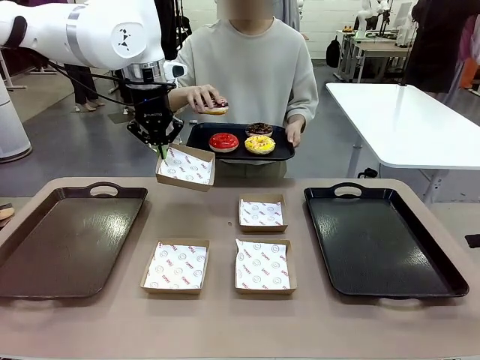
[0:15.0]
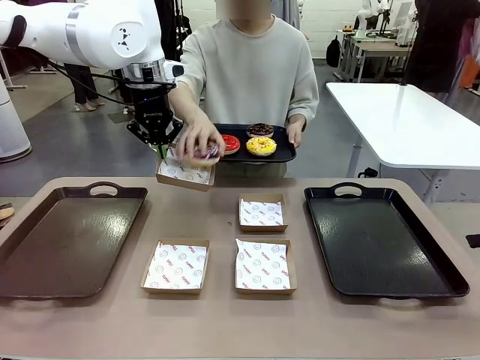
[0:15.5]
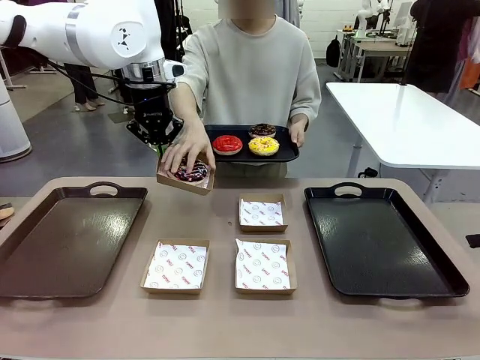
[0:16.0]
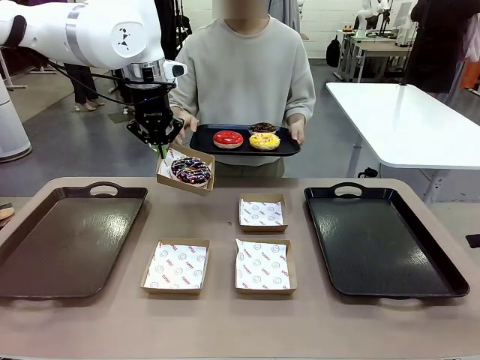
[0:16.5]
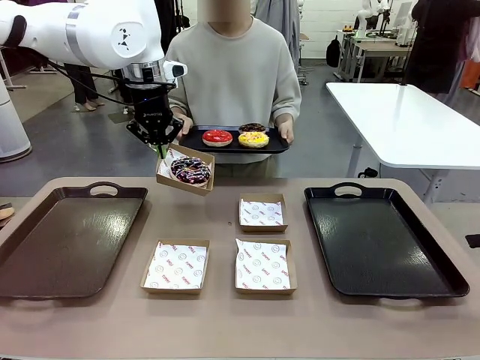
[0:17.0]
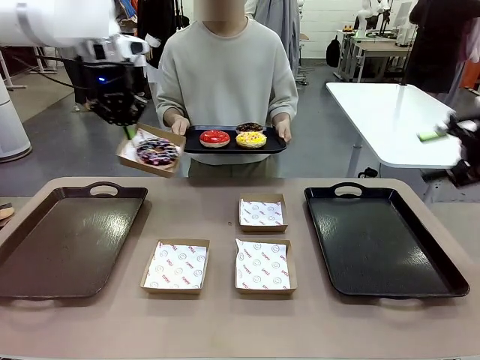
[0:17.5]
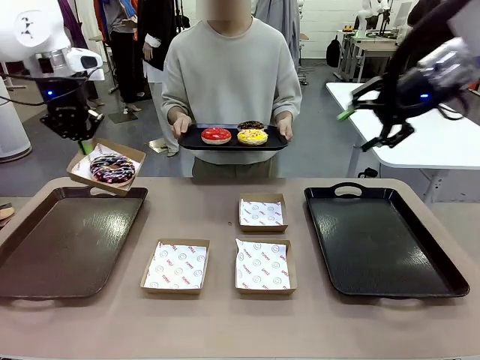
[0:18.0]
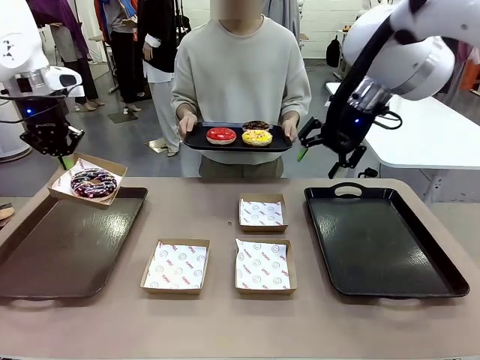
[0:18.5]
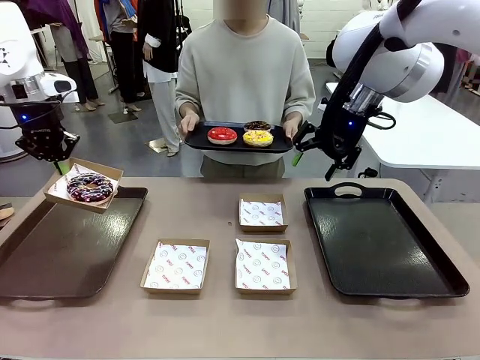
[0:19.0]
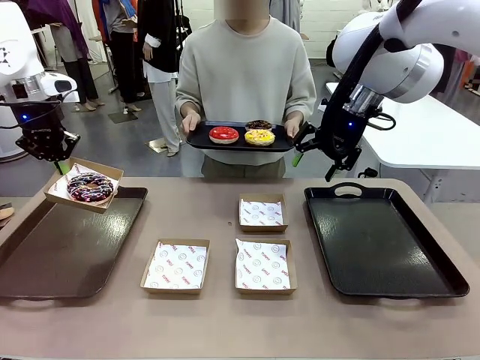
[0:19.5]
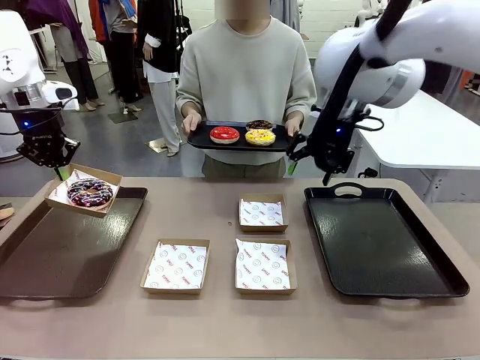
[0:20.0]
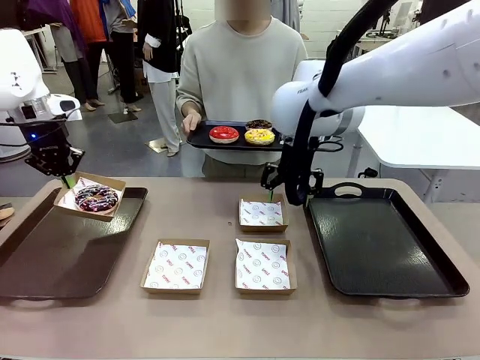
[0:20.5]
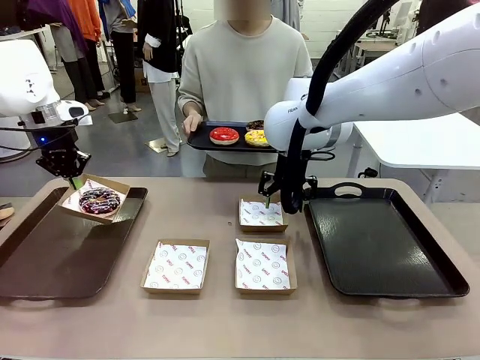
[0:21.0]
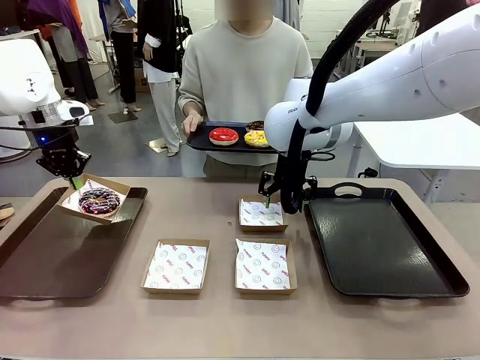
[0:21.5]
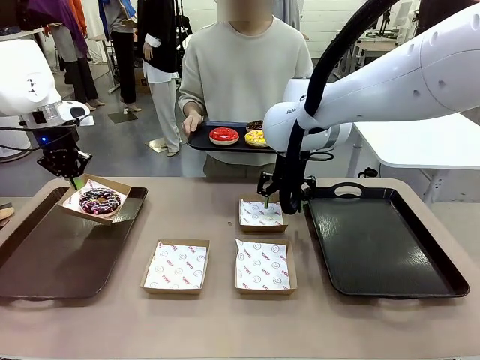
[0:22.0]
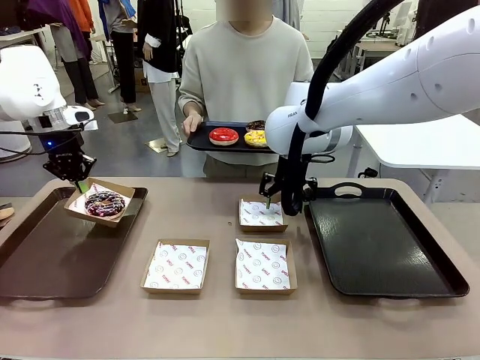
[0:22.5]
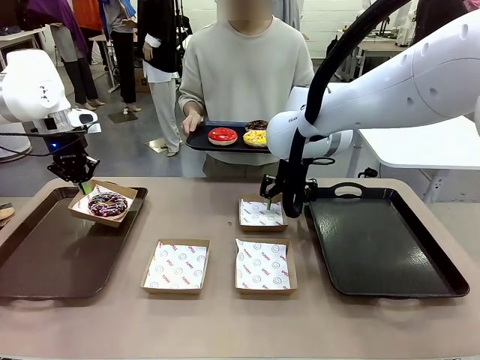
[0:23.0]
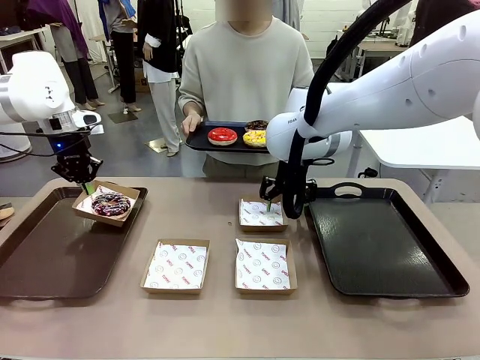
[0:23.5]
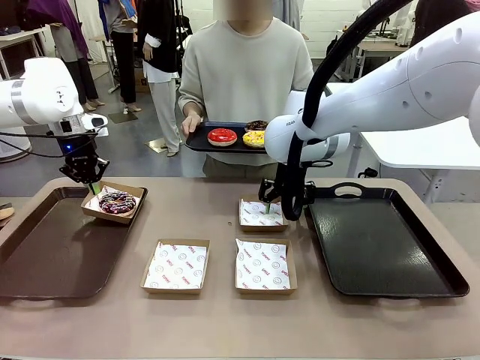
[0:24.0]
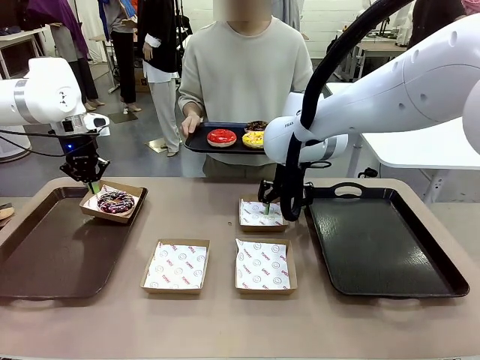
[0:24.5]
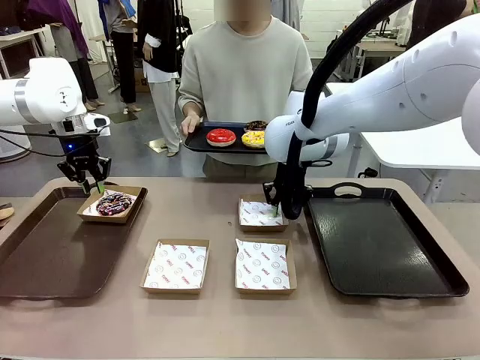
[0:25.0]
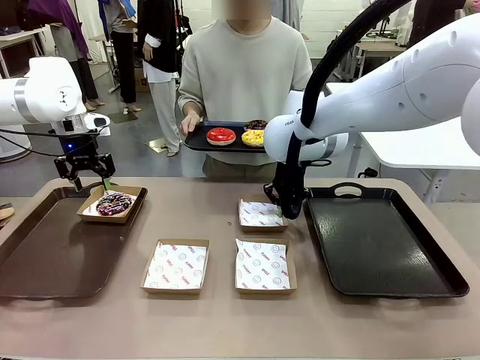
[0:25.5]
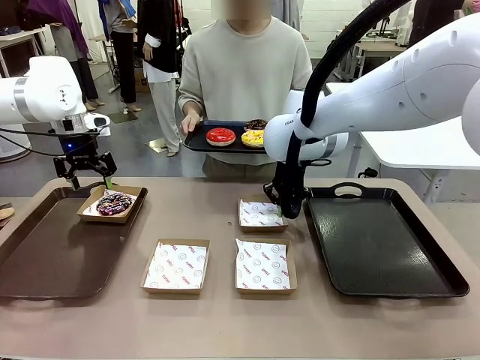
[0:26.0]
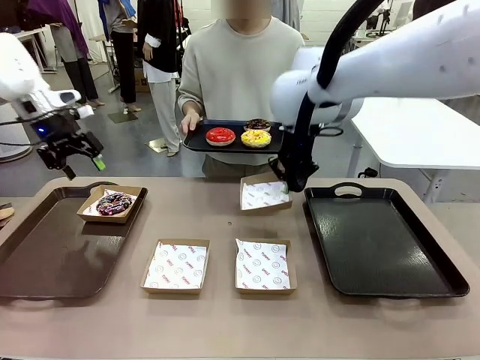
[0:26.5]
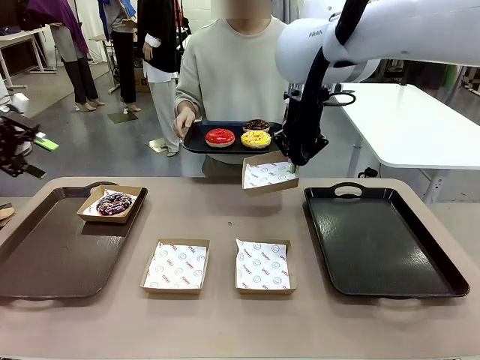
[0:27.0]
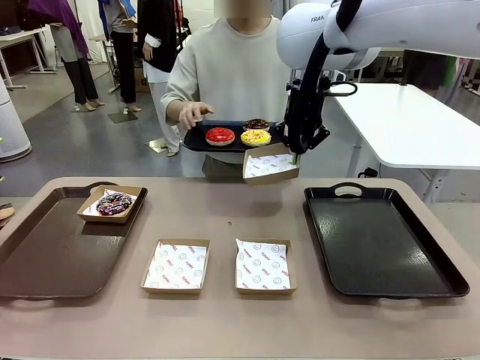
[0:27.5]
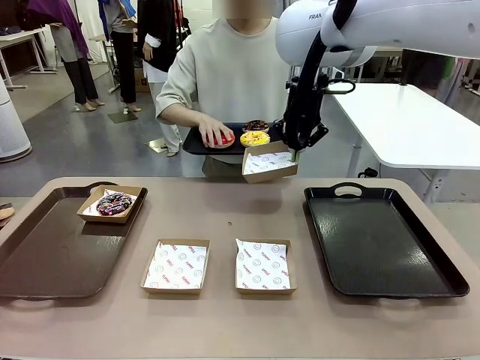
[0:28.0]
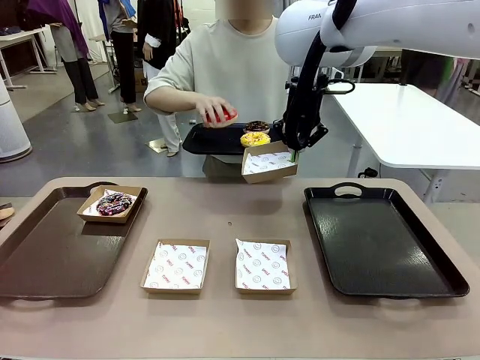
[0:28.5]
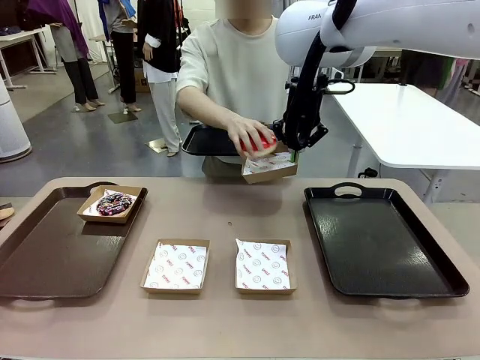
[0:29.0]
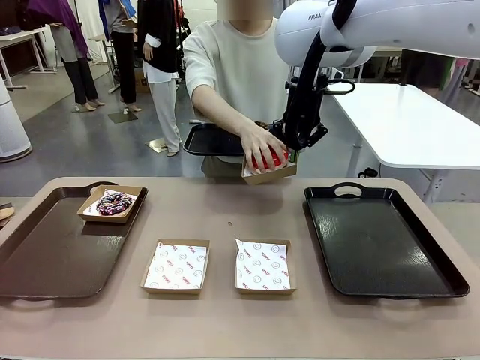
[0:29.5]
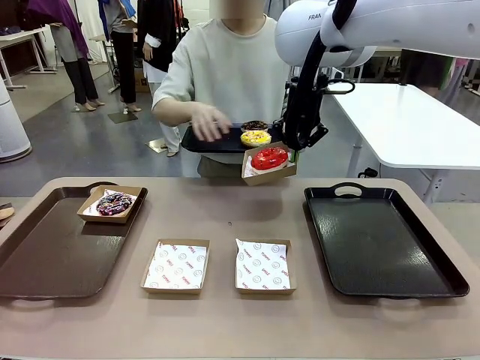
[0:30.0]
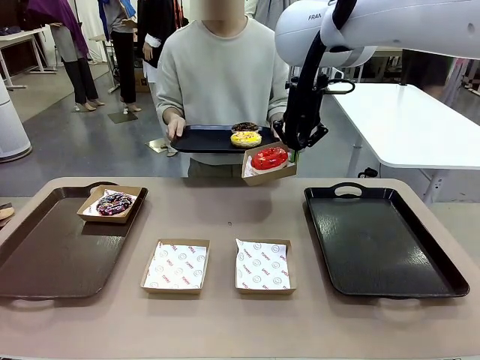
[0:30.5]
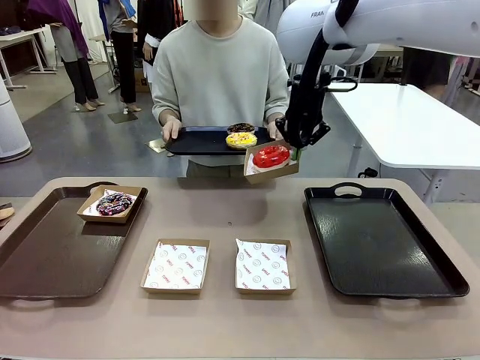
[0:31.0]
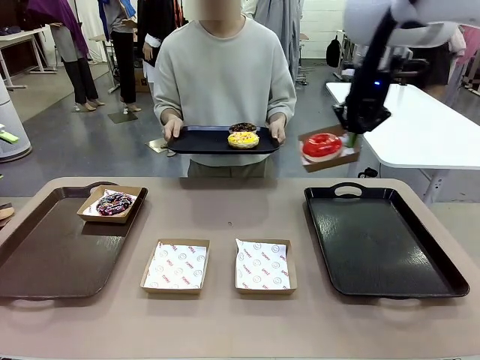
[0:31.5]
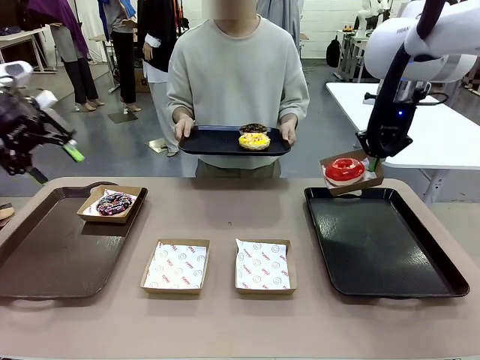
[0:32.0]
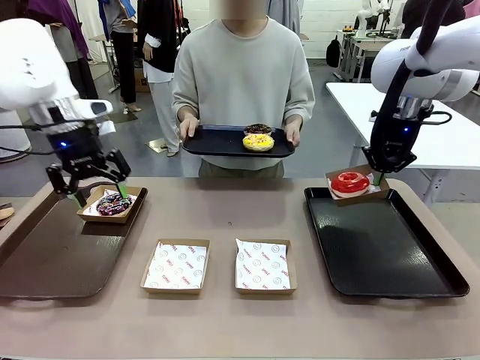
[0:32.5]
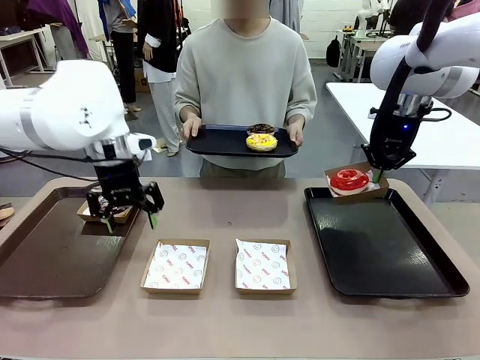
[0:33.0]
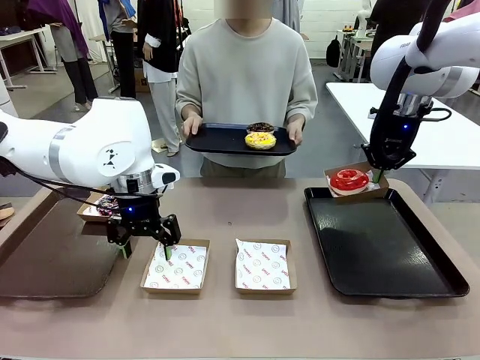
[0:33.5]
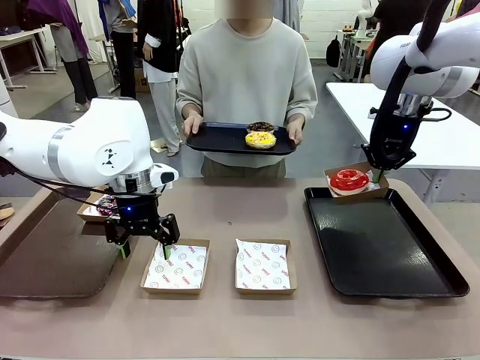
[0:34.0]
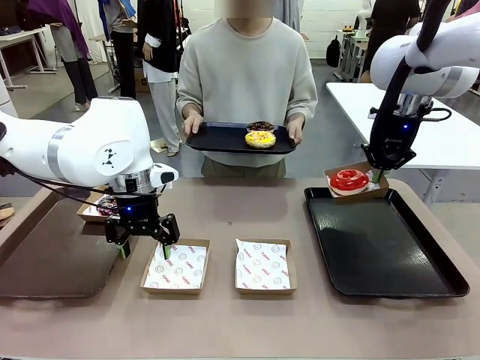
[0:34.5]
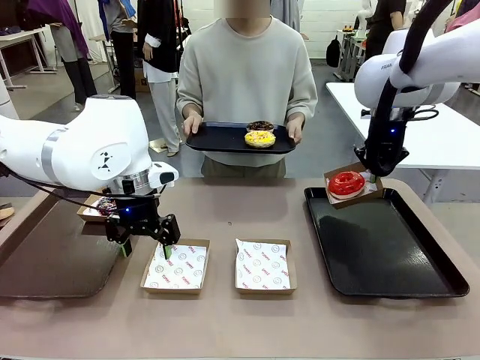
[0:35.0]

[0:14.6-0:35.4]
Task: Individually package the donuts and arrange them on the tray.
Robot: Place the picked Paper togo box on the Handle tray while simultaneously picking up another Paper togo box from the table with the other hand.
